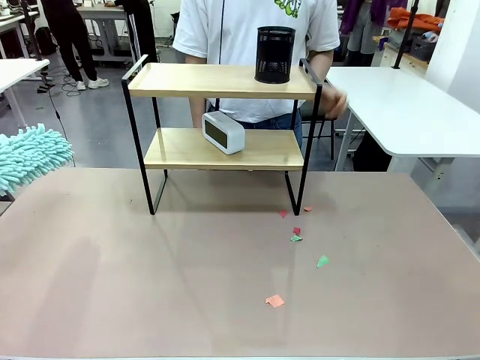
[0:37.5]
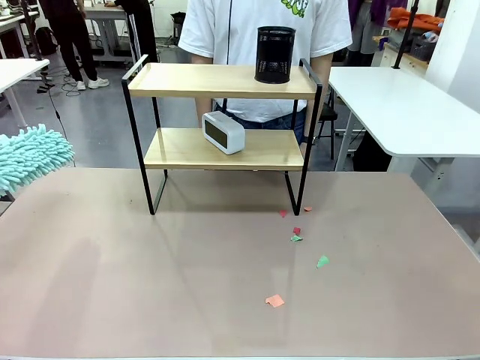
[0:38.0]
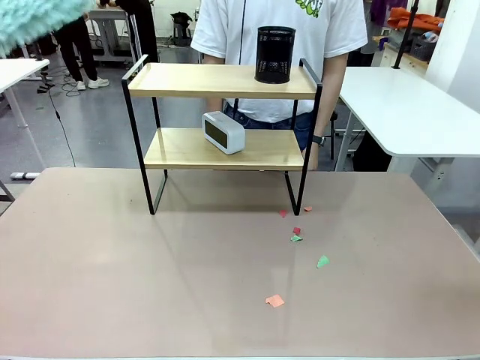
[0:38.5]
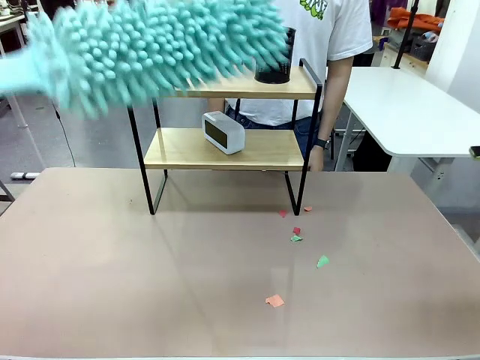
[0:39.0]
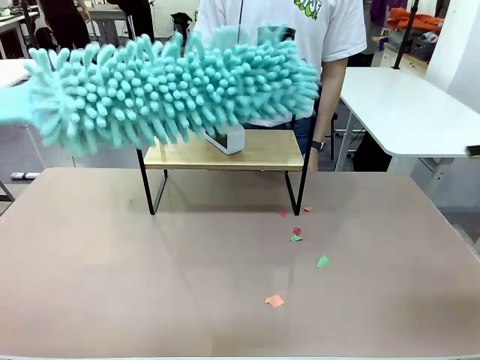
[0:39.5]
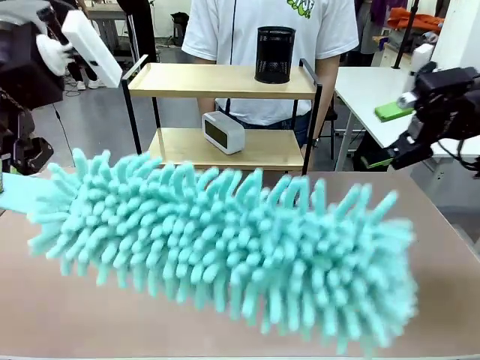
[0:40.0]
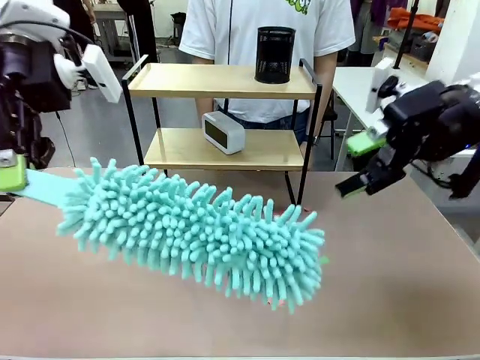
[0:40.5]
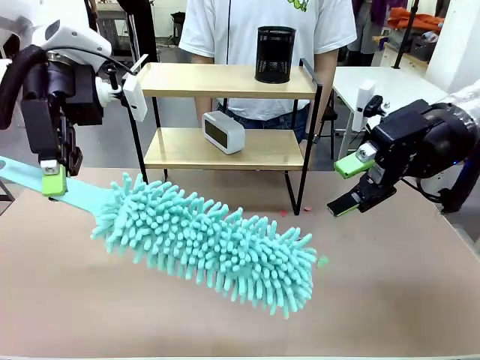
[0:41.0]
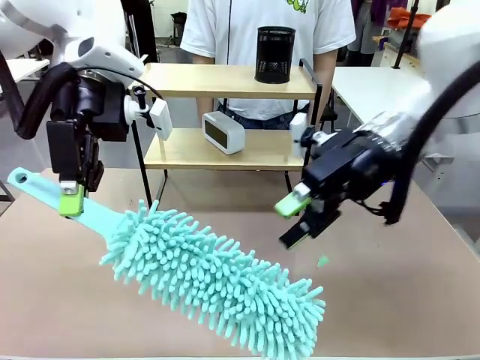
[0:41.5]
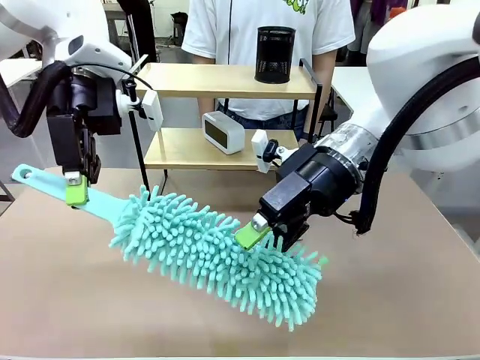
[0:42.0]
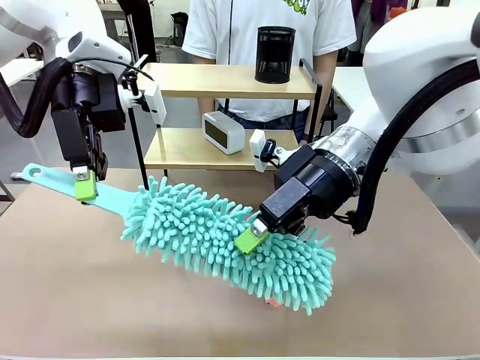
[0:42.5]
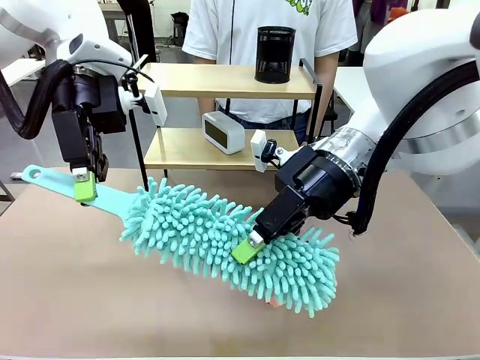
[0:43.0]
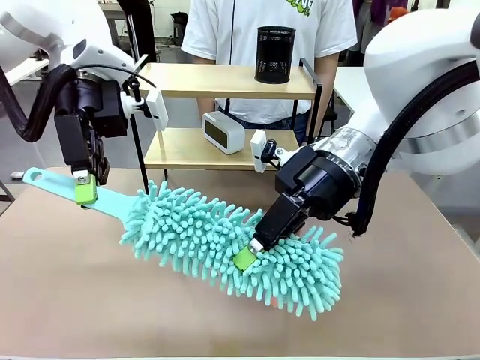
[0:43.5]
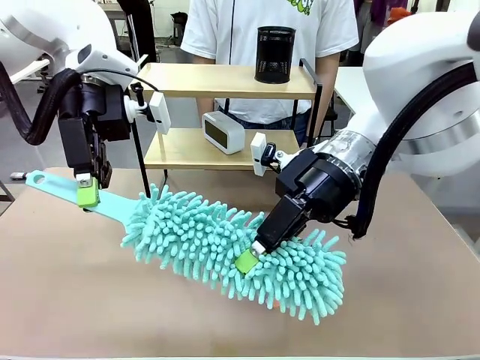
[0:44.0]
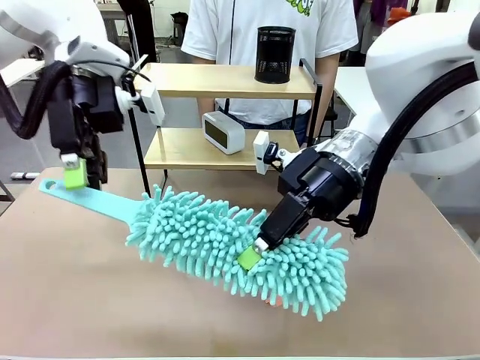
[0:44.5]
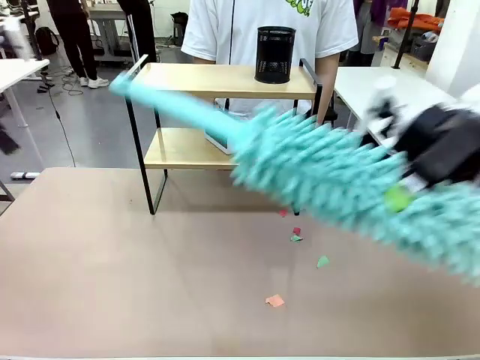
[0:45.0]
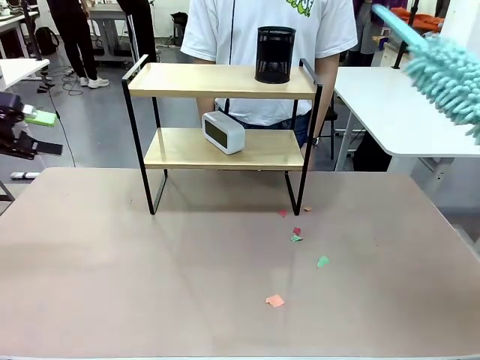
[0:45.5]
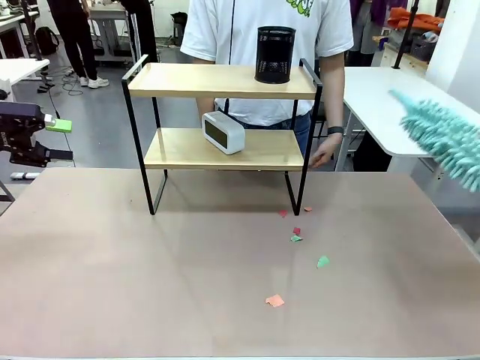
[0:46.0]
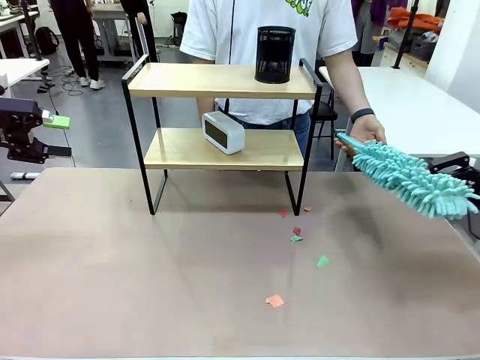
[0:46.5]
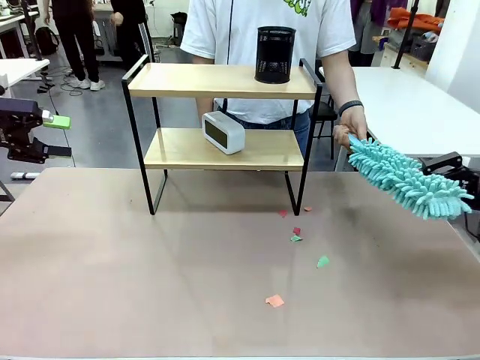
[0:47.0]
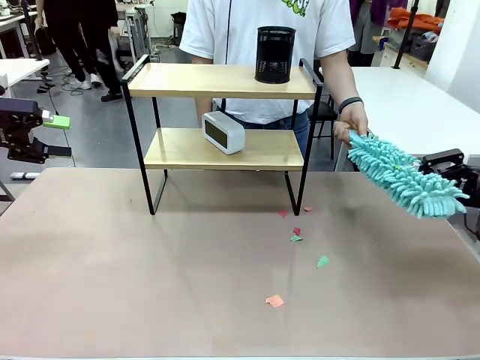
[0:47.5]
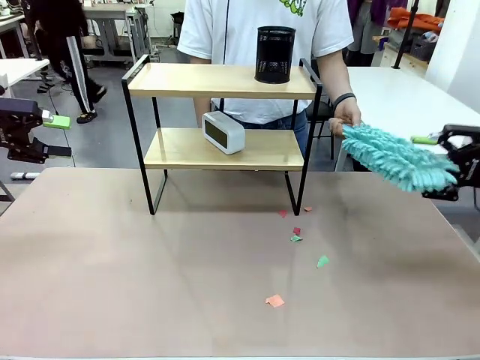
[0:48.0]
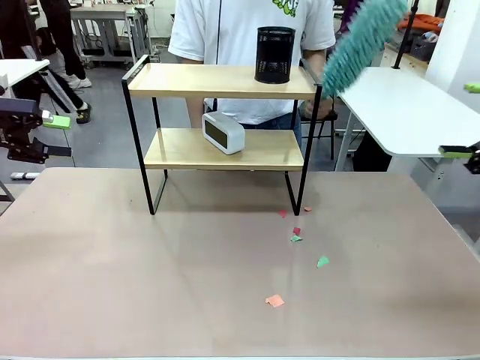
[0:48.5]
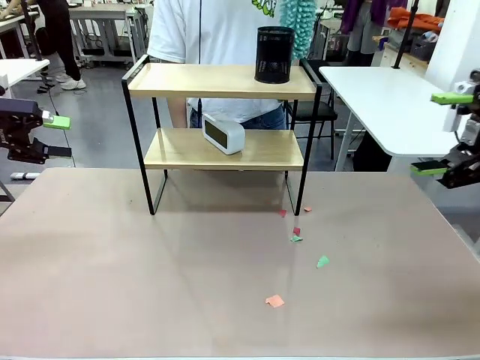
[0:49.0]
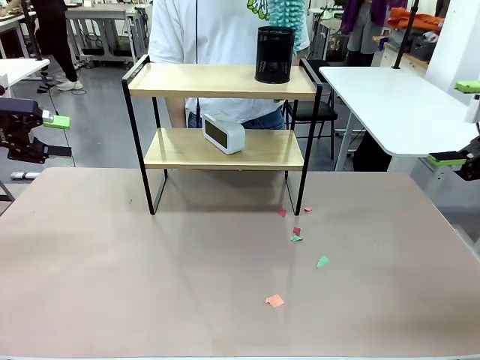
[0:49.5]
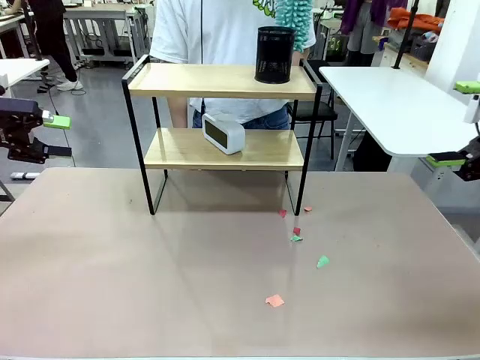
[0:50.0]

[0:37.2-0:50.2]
Task: Clean the shelf.
Robot: Hand the Duster back to the human.
Person: Receive the Duster from the robot.
